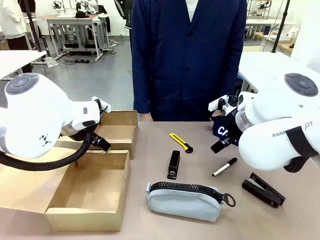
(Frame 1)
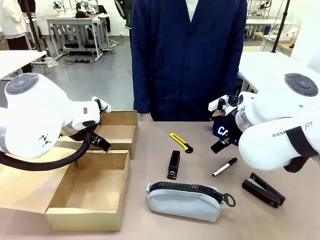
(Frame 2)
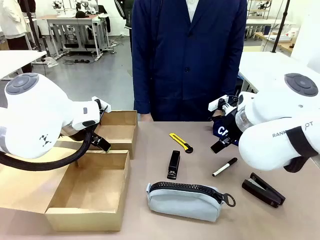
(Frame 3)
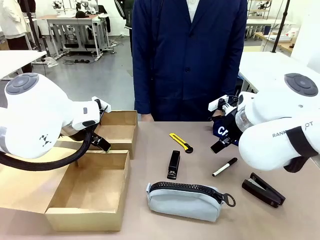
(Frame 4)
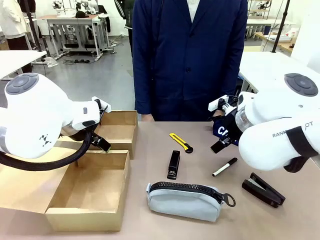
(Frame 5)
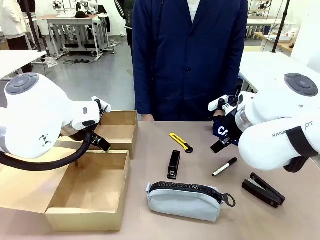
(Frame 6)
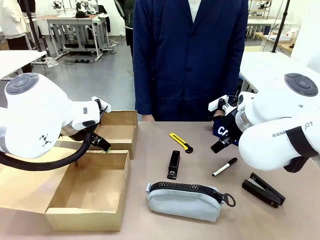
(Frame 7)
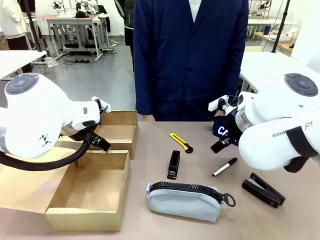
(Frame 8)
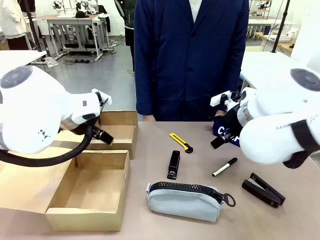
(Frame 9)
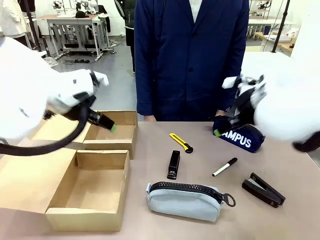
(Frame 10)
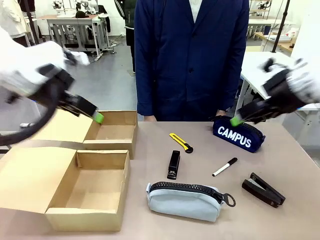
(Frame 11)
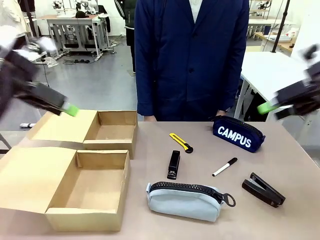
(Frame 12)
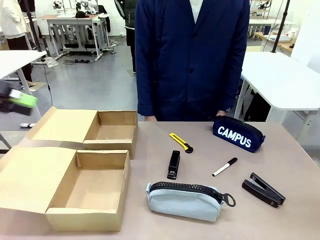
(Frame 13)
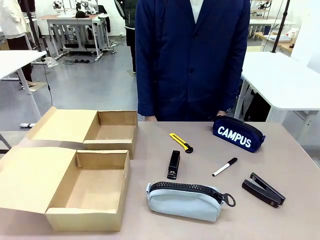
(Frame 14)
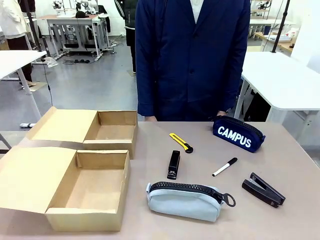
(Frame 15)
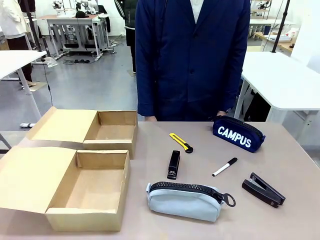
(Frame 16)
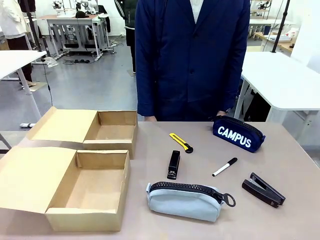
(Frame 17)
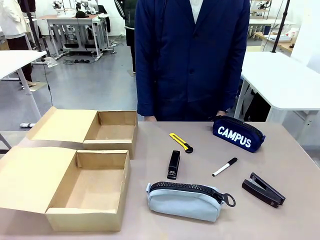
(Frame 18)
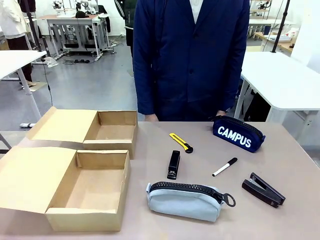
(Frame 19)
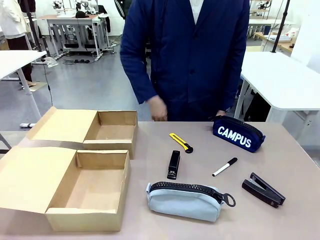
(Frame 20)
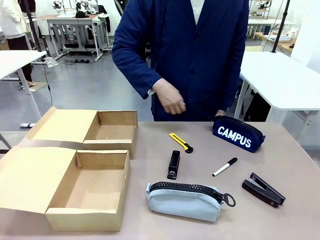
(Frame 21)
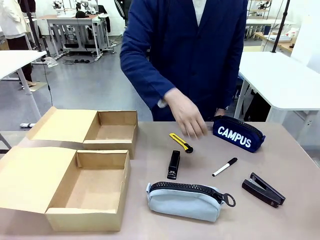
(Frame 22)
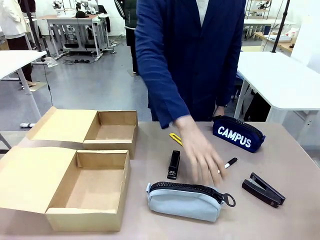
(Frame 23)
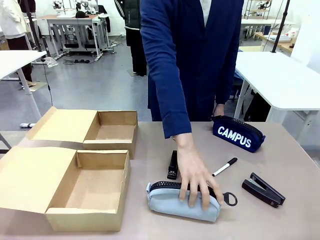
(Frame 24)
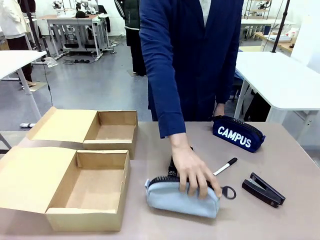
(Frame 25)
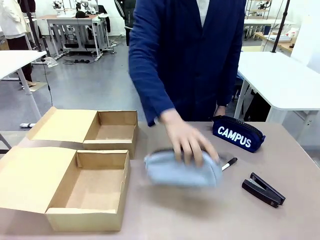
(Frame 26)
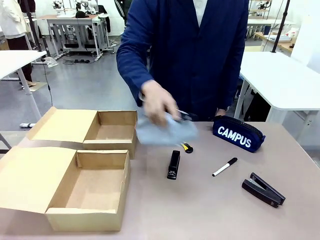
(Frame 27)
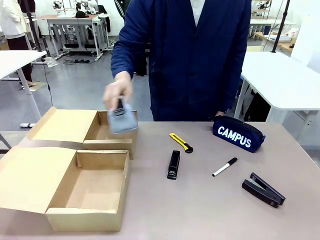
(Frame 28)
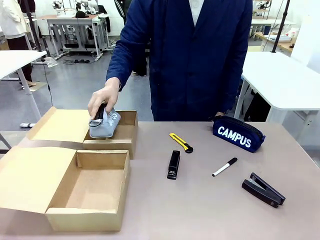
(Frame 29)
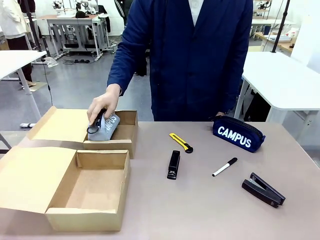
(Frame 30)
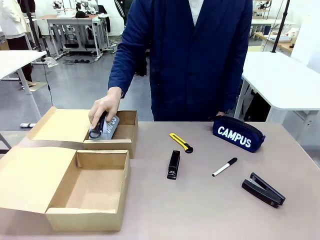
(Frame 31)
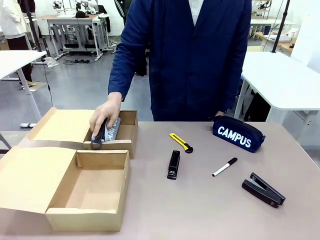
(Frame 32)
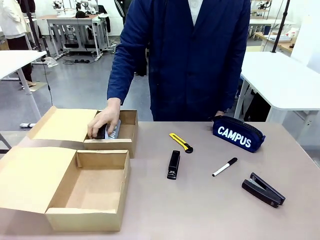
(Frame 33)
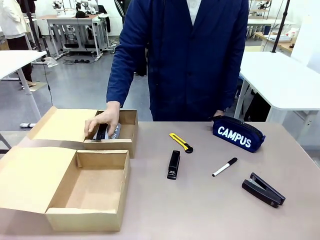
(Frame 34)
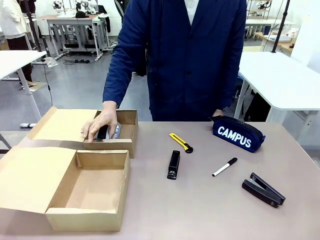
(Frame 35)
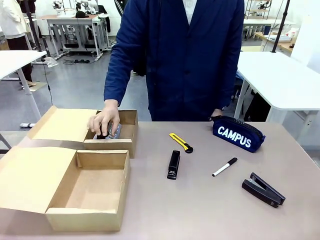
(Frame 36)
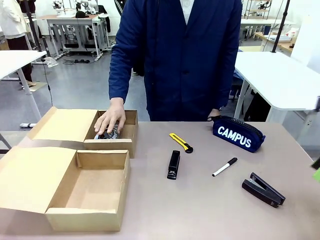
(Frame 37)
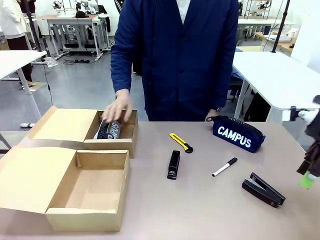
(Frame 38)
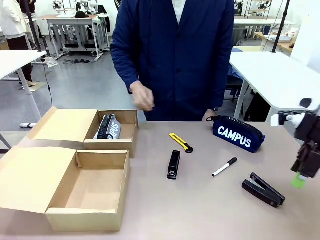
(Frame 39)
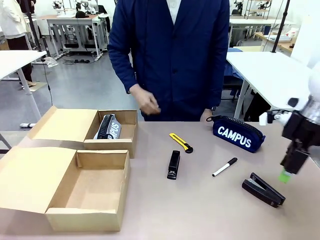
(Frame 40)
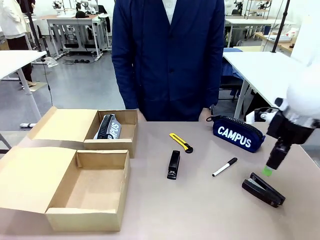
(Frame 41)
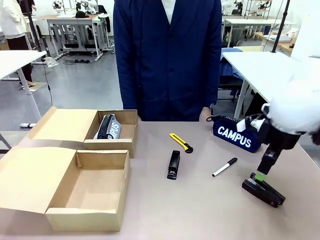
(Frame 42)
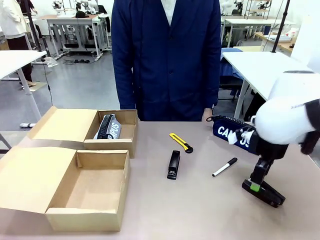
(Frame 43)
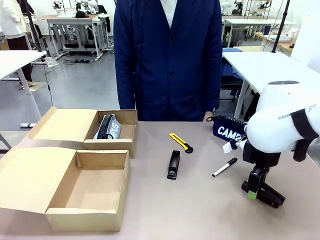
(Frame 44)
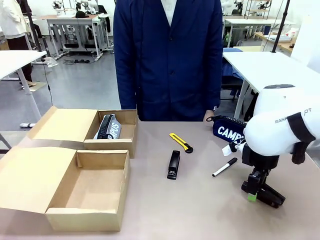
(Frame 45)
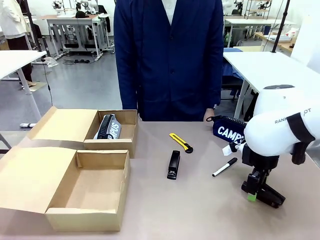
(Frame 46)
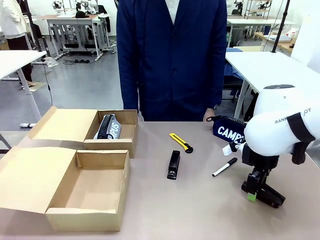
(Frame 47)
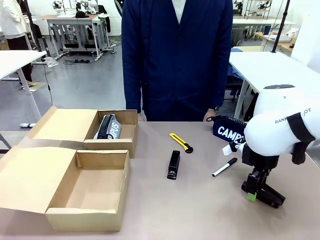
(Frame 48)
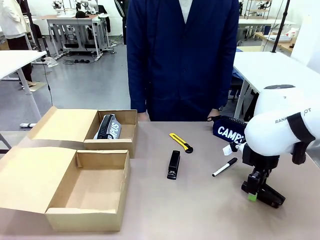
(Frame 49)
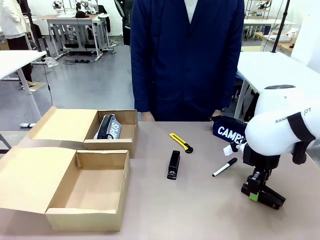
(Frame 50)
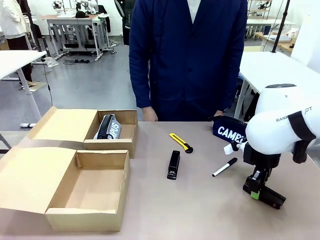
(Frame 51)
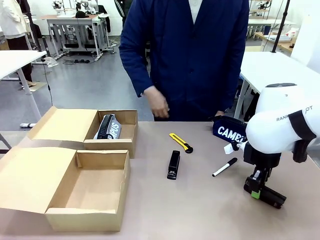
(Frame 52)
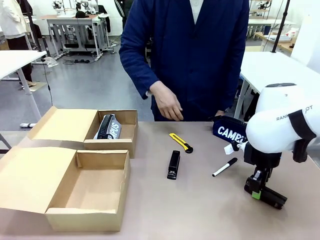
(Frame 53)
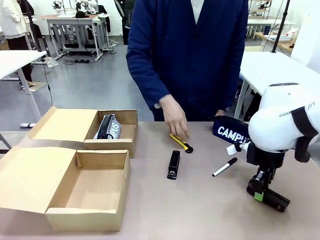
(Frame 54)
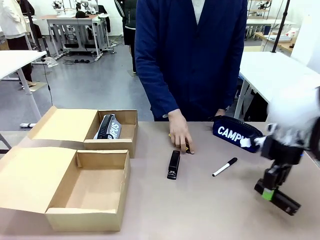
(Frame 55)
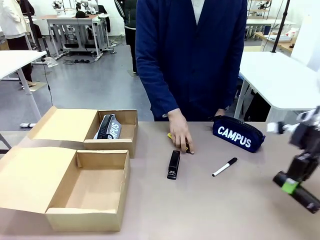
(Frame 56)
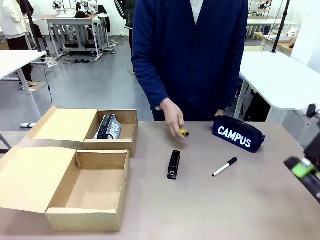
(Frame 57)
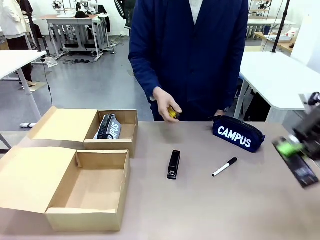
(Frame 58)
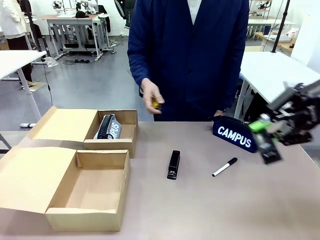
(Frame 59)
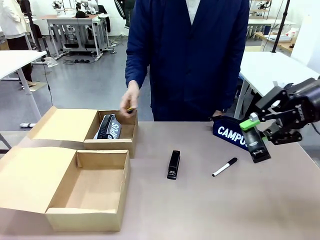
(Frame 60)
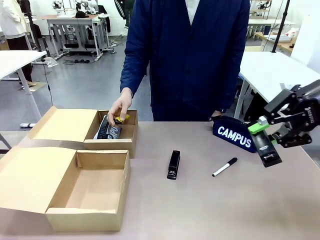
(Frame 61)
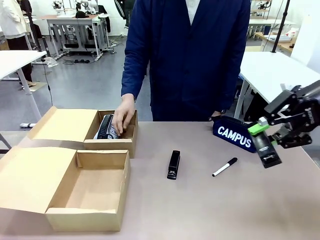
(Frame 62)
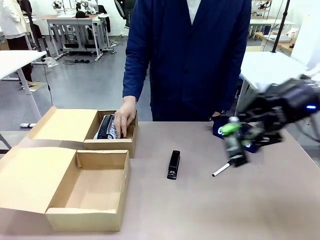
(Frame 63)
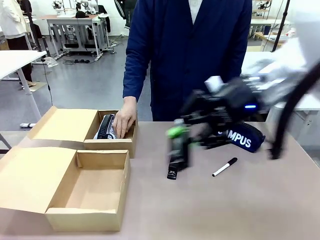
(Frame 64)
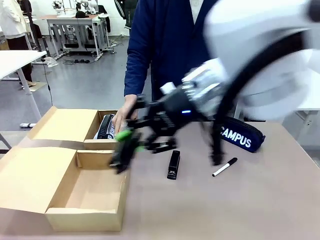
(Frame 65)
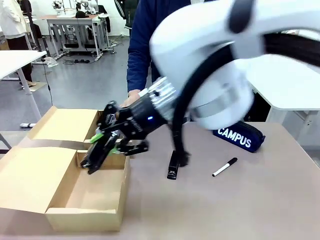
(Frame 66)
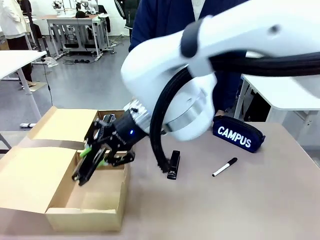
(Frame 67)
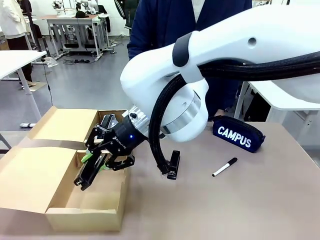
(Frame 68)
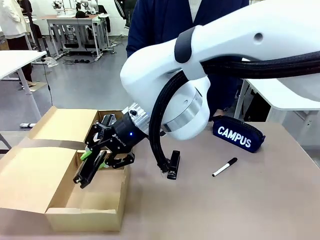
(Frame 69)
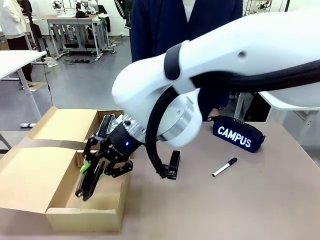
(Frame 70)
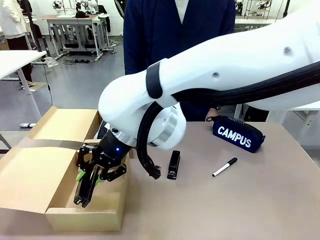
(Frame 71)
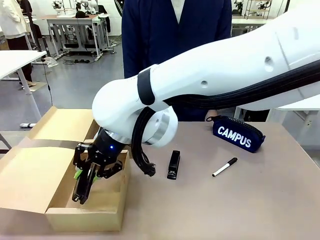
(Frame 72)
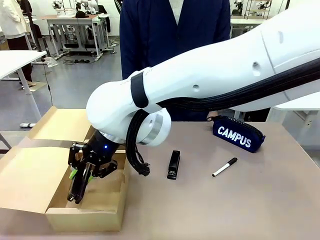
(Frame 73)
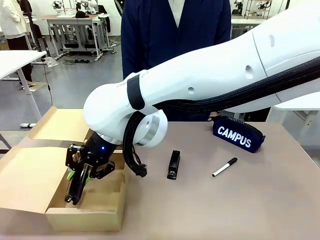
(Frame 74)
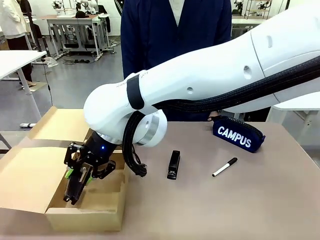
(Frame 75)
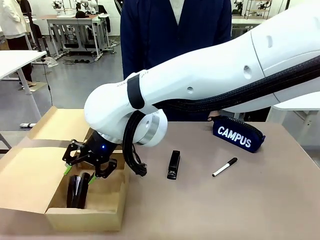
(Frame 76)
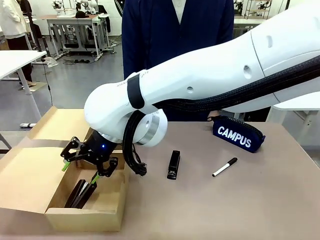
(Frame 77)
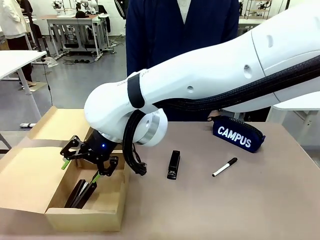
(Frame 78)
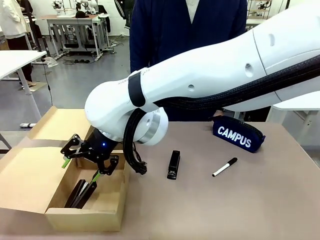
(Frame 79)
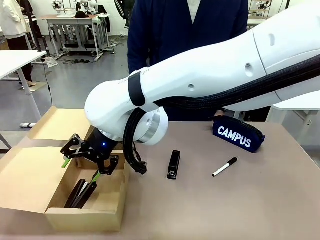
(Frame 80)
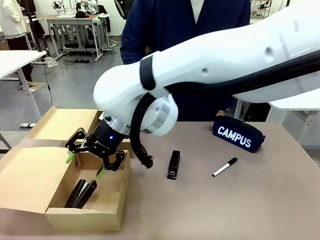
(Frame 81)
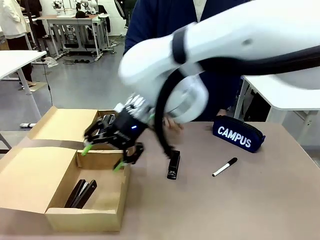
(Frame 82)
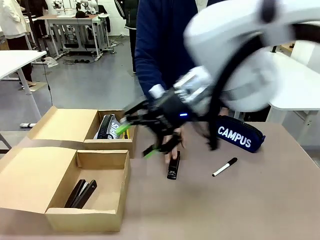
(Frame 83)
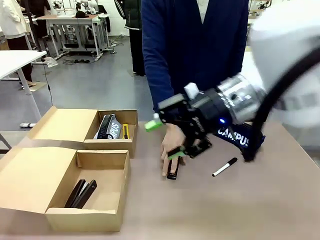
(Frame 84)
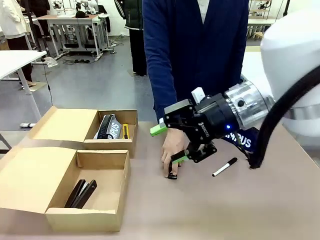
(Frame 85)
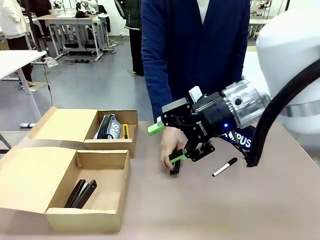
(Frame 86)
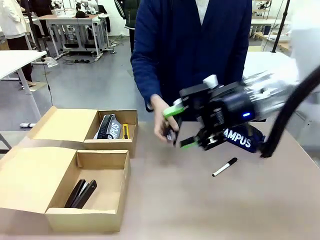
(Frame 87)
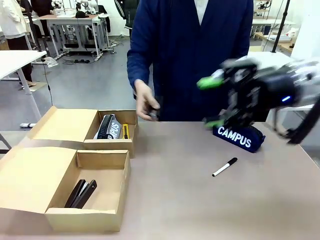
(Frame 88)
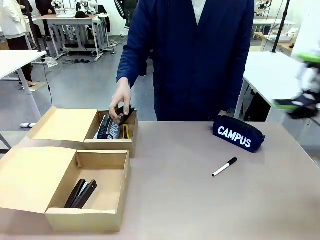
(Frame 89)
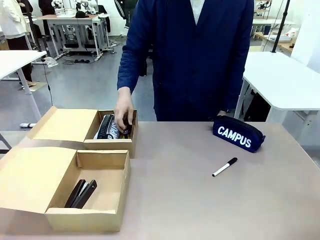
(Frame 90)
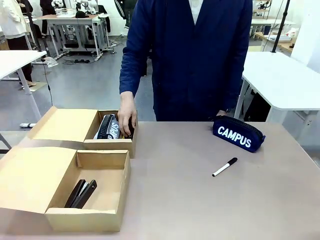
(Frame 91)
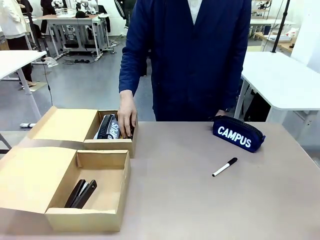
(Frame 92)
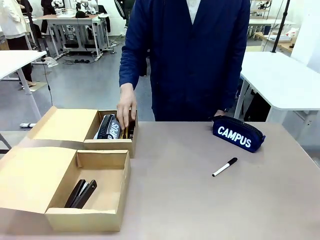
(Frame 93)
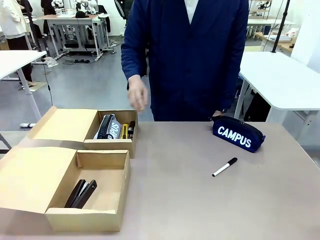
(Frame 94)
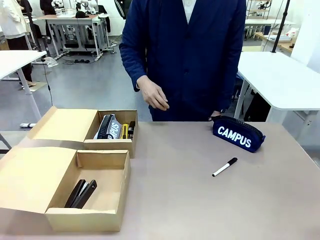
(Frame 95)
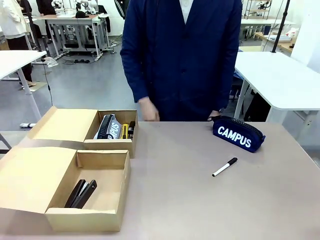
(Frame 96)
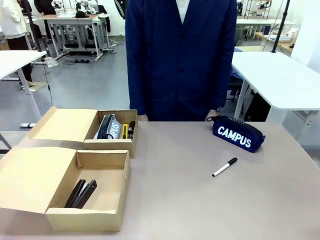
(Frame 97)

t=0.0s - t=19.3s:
Task: Place items inside the box.
Robot: Pick up a Pencil pouch or Stapler and place it inside the Mailer Box closest to the robot.
Person: Pick up an object on the table and put it in the box.
